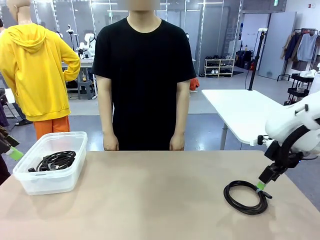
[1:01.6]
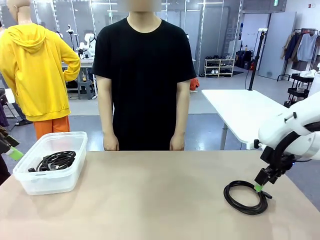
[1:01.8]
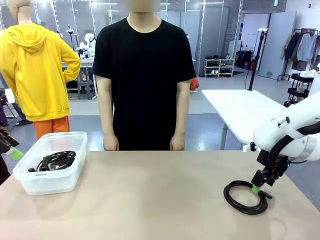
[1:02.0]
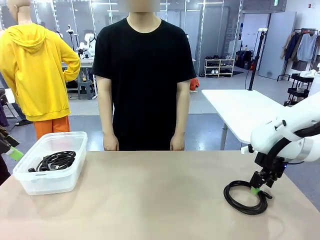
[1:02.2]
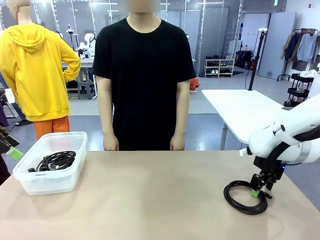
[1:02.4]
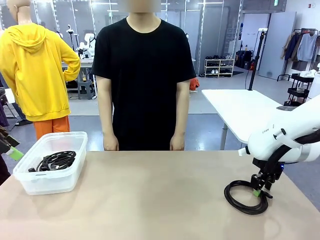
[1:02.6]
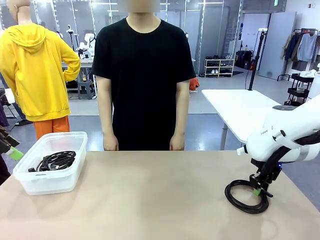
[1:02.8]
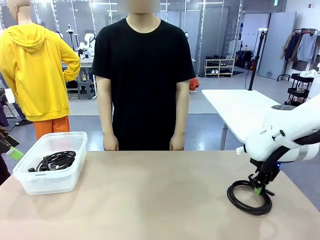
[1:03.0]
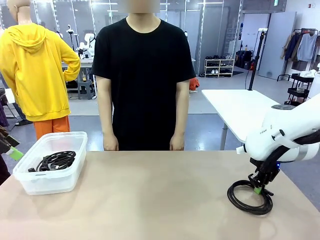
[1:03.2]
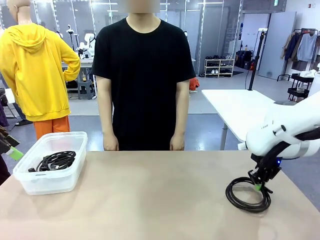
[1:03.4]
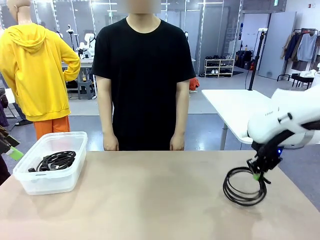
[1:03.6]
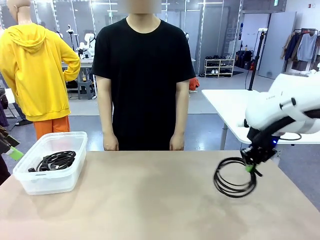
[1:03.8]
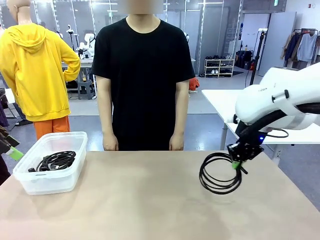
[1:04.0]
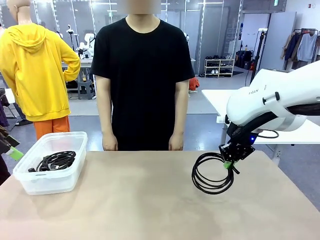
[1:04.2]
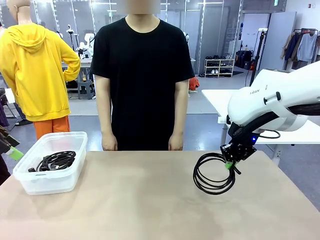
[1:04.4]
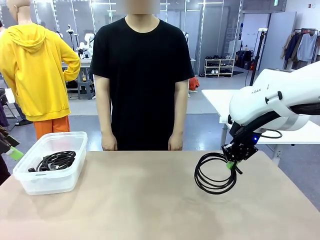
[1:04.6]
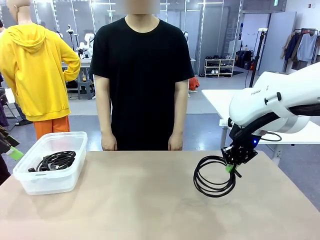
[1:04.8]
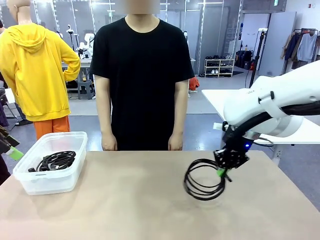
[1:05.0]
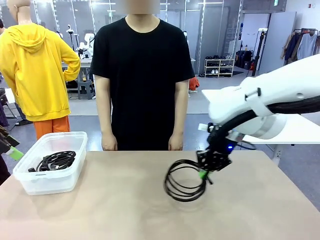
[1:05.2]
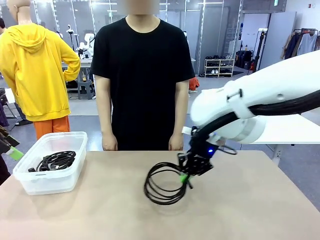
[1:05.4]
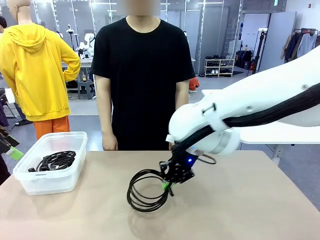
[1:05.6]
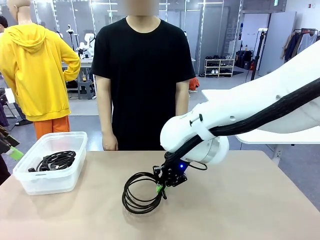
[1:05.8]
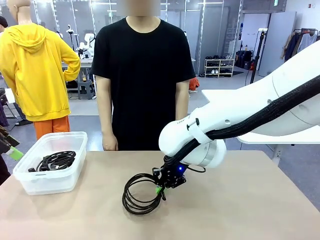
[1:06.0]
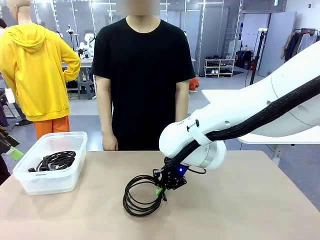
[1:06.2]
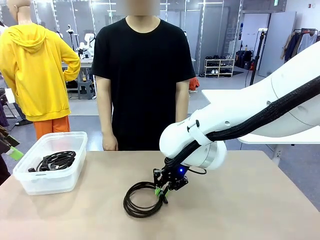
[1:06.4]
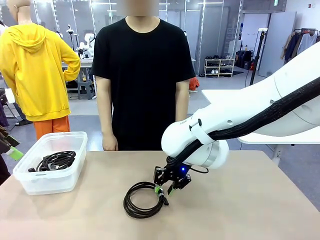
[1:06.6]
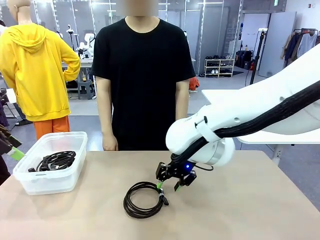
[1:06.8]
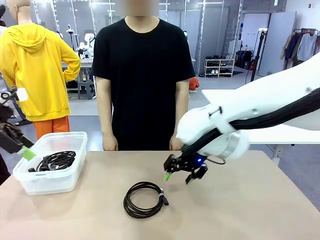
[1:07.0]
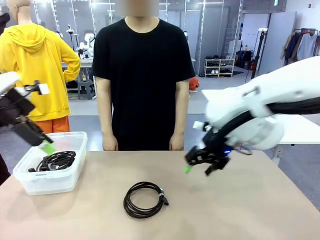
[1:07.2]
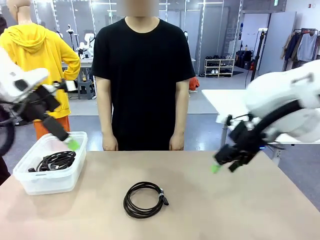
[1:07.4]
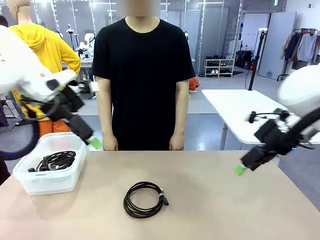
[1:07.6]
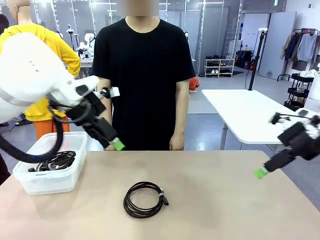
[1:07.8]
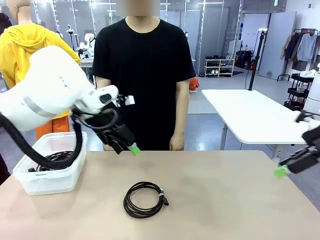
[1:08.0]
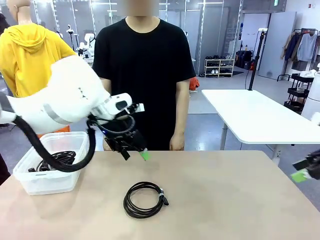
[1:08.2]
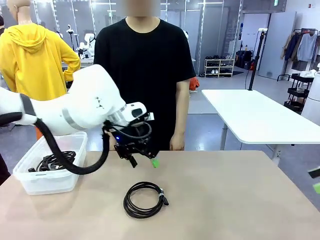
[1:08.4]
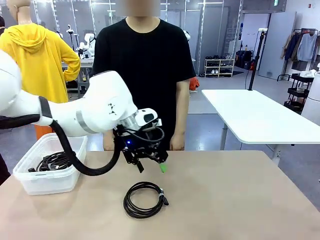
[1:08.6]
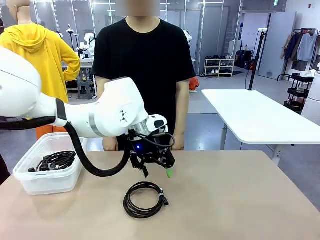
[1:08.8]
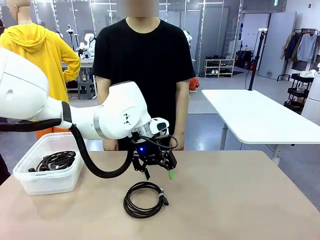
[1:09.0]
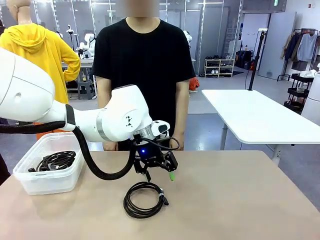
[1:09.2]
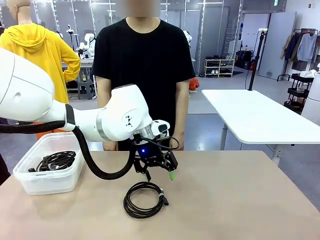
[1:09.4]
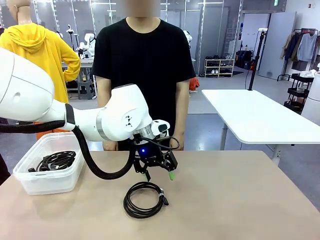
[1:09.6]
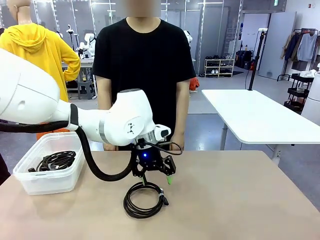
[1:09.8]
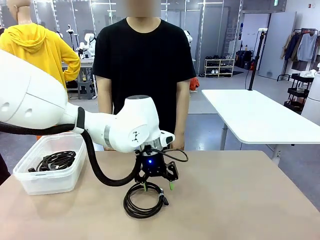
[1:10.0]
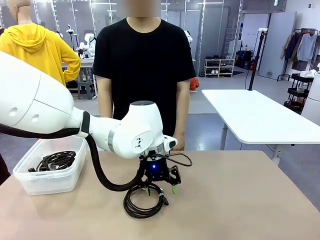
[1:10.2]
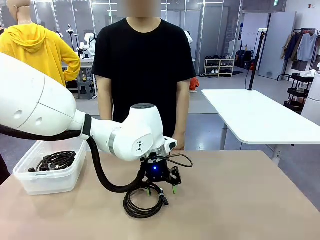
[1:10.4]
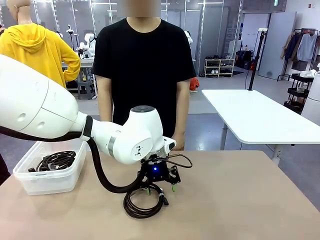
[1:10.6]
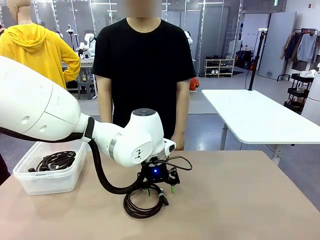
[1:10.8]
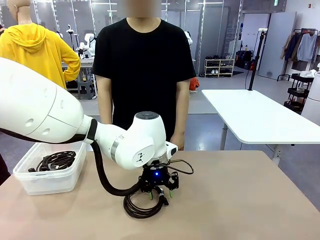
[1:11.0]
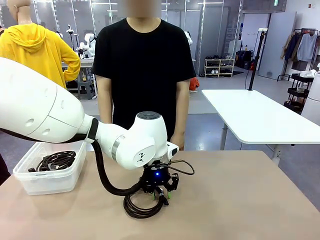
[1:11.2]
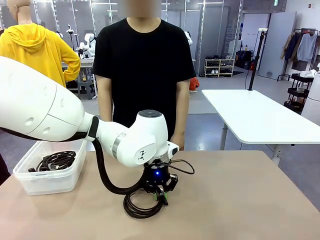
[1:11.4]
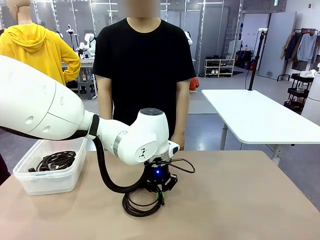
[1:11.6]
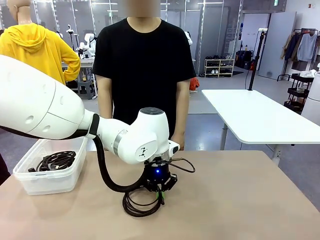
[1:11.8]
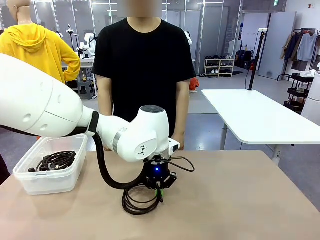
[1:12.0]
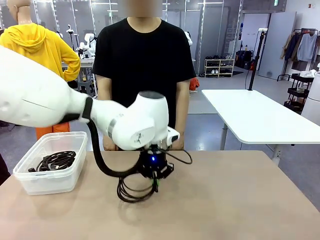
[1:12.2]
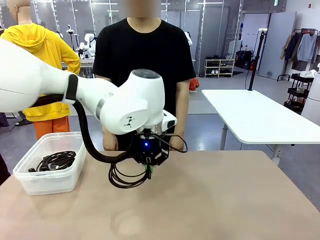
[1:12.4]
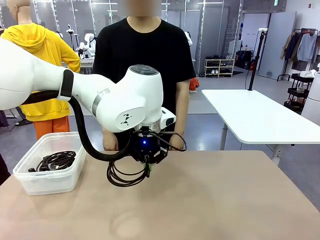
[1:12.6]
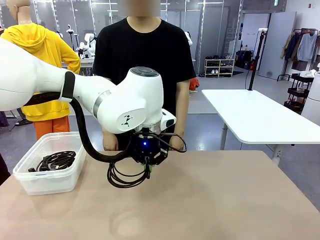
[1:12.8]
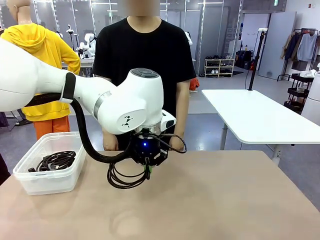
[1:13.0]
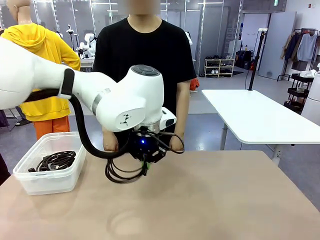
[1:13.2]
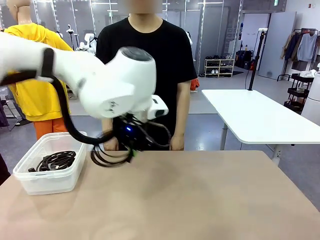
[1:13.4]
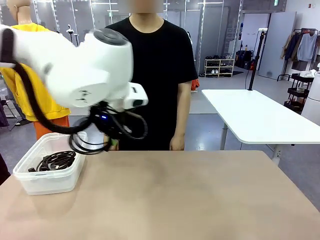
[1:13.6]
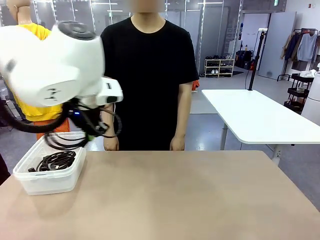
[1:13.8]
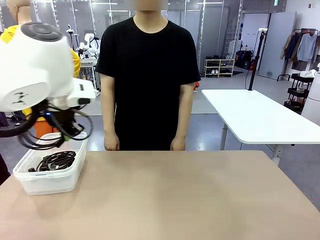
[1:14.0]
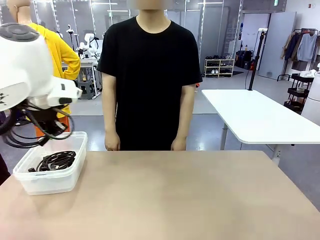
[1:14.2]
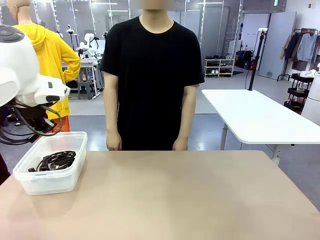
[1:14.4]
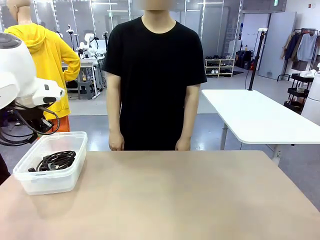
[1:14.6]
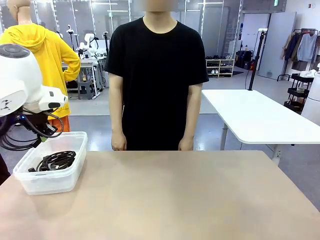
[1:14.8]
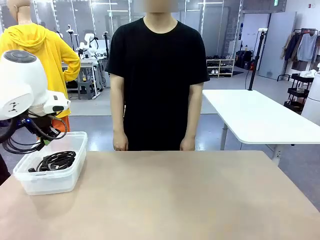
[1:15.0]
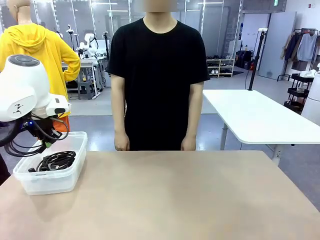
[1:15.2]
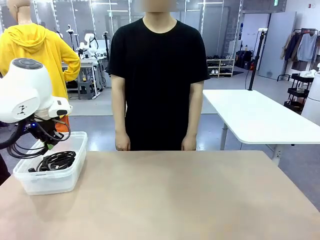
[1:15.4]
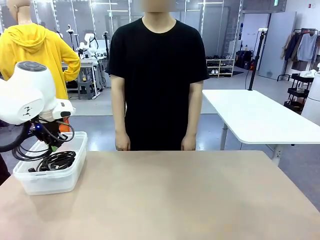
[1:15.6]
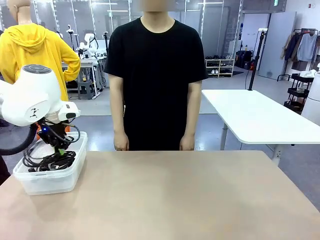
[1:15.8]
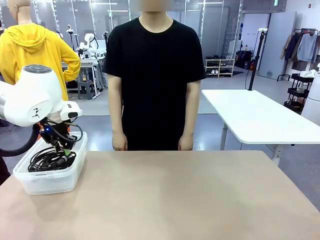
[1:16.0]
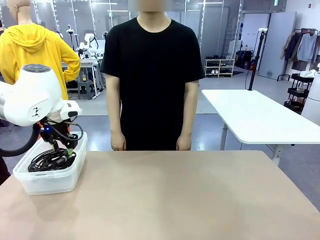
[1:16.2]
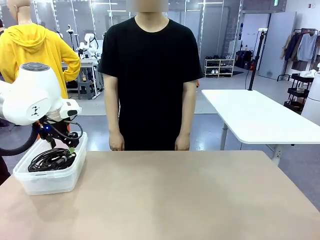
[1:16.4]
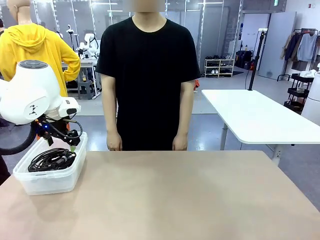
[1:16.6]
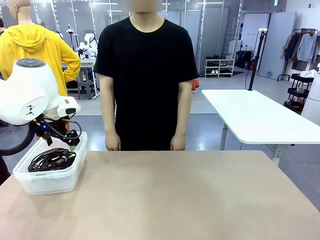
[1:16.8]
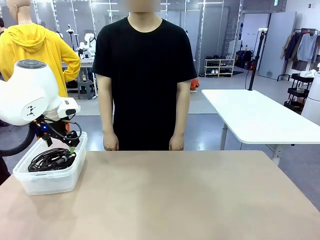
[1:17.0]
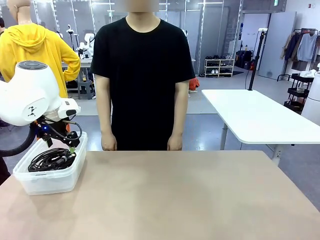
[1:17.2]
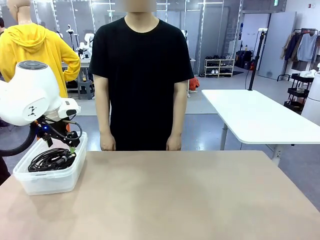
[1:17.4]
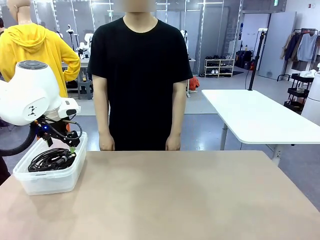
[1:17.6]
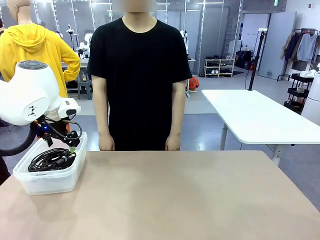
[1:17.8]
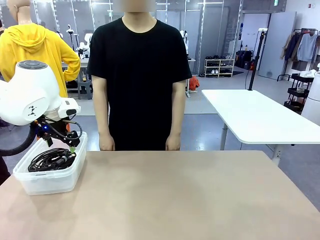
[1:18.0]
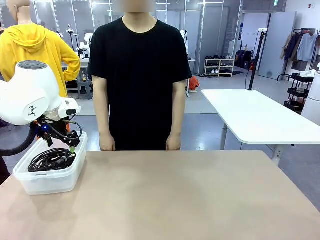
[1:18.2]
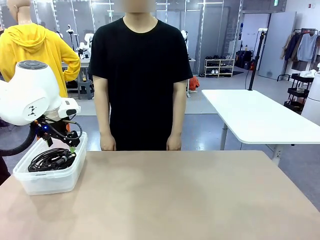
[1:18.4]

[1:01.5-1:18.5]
Task: Organize and store the cables.
Robot: Place the USB Extension Cable into the Organizing box.
